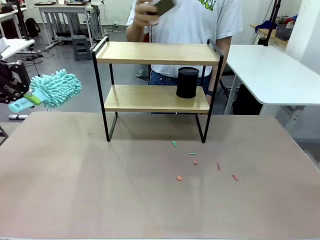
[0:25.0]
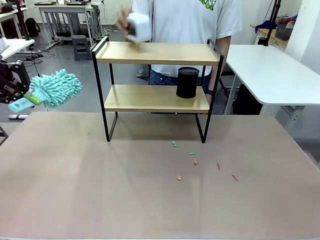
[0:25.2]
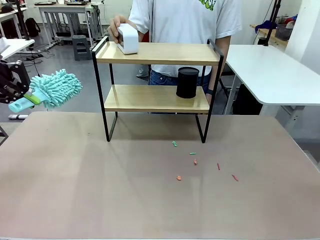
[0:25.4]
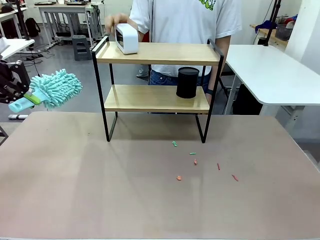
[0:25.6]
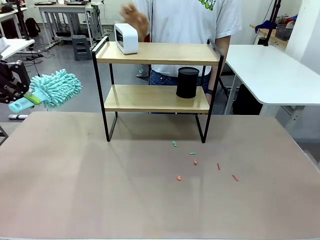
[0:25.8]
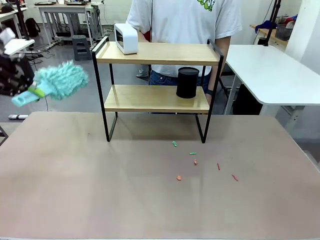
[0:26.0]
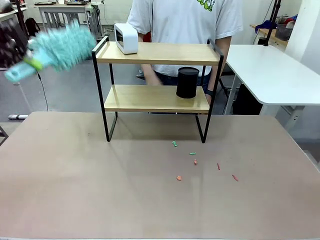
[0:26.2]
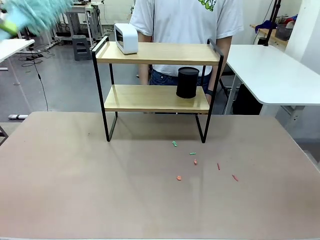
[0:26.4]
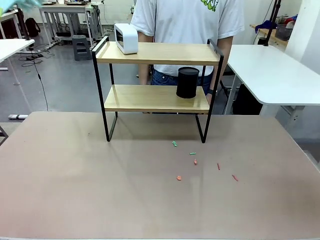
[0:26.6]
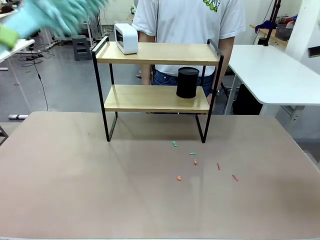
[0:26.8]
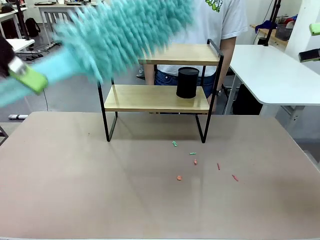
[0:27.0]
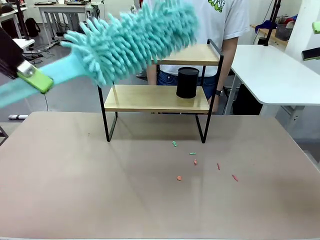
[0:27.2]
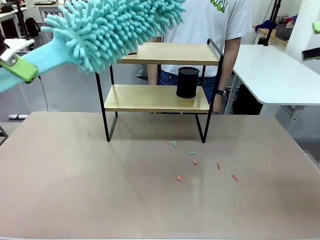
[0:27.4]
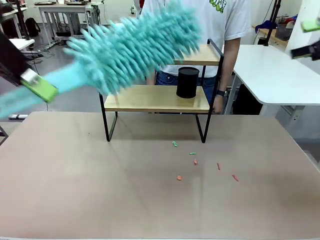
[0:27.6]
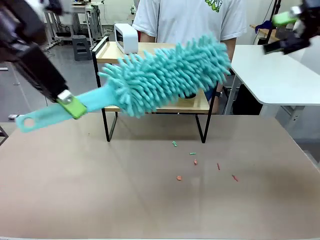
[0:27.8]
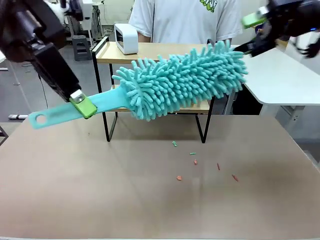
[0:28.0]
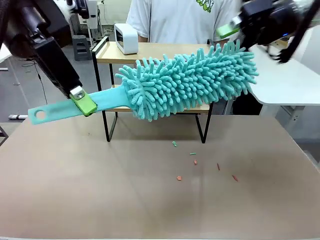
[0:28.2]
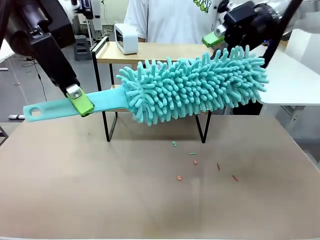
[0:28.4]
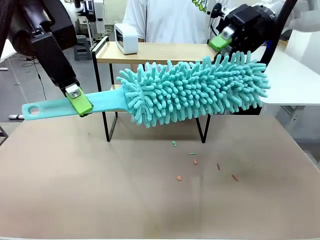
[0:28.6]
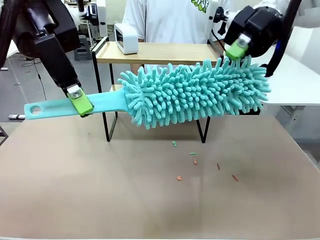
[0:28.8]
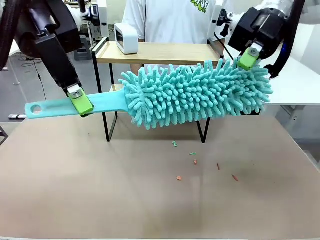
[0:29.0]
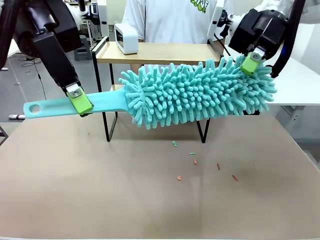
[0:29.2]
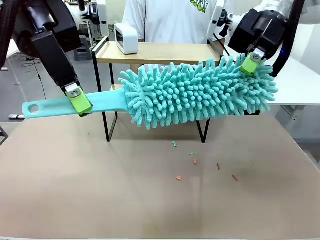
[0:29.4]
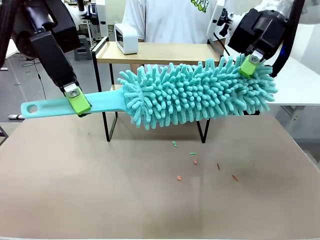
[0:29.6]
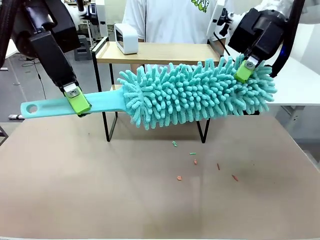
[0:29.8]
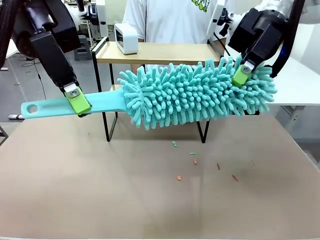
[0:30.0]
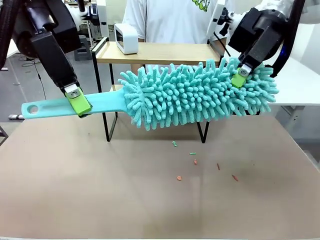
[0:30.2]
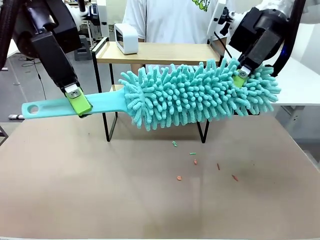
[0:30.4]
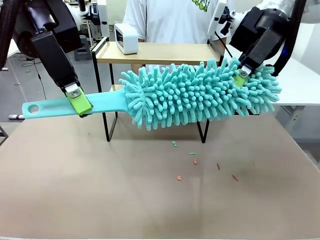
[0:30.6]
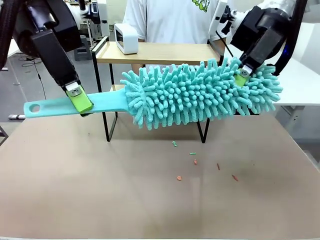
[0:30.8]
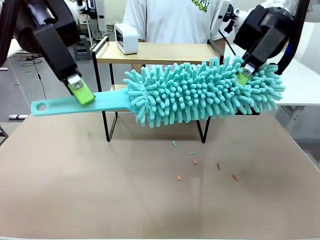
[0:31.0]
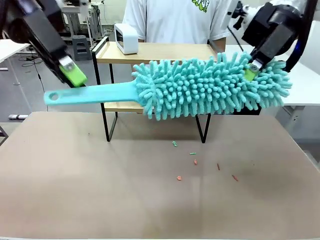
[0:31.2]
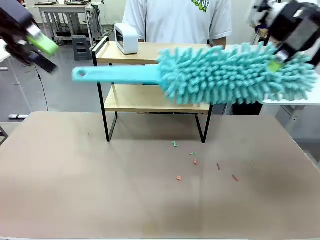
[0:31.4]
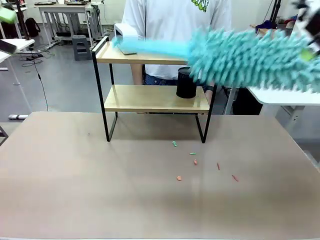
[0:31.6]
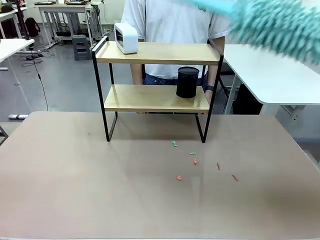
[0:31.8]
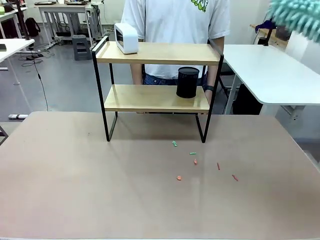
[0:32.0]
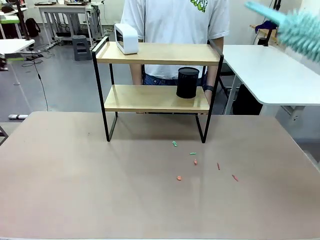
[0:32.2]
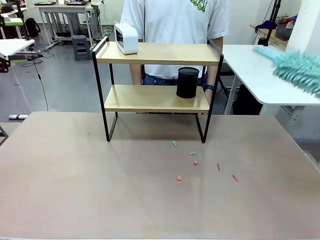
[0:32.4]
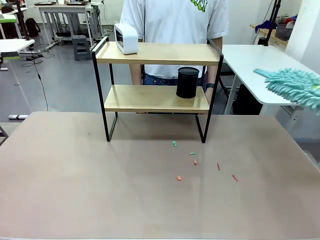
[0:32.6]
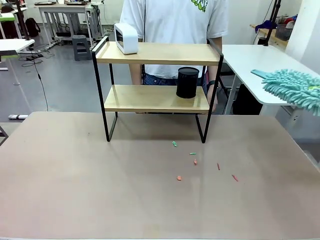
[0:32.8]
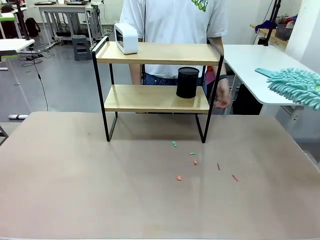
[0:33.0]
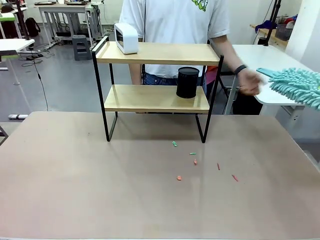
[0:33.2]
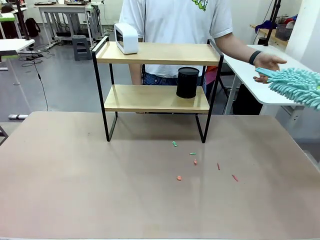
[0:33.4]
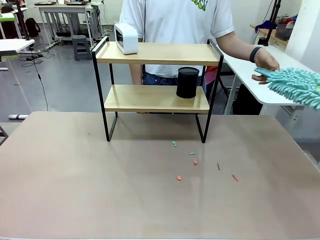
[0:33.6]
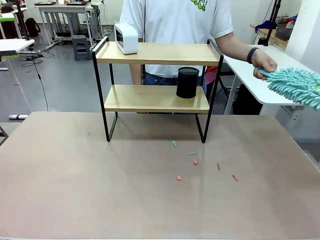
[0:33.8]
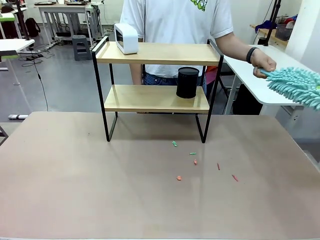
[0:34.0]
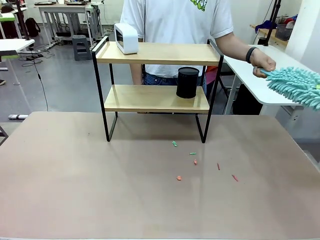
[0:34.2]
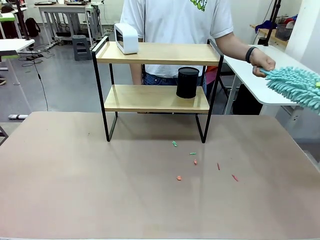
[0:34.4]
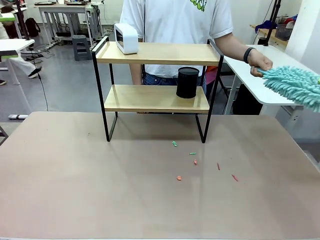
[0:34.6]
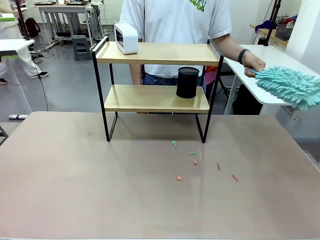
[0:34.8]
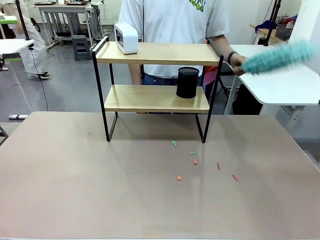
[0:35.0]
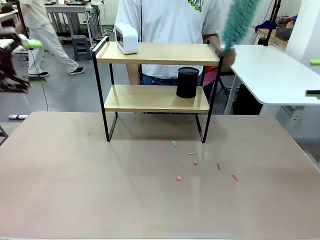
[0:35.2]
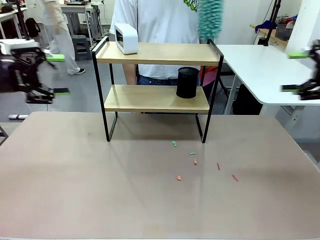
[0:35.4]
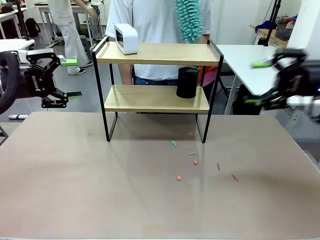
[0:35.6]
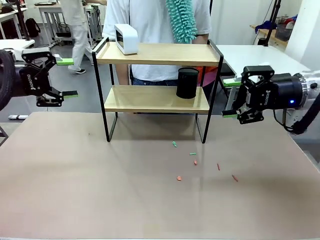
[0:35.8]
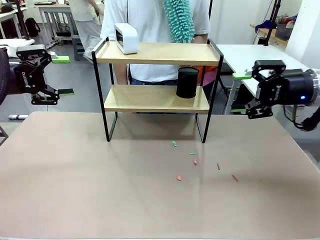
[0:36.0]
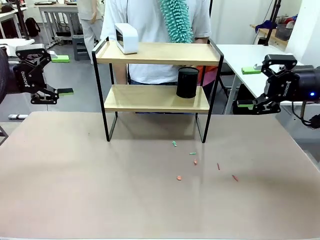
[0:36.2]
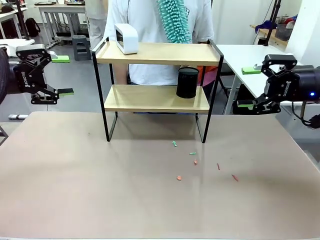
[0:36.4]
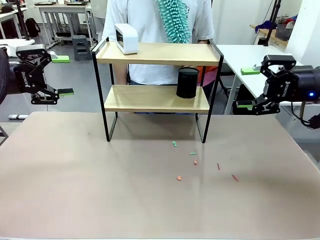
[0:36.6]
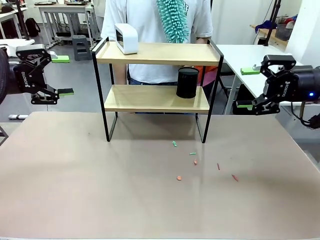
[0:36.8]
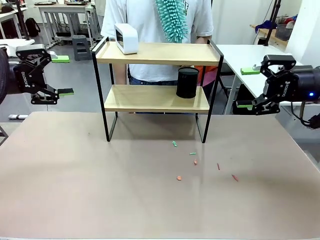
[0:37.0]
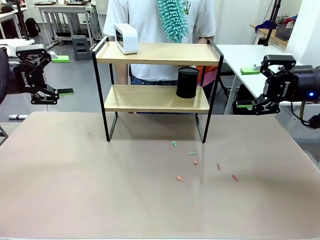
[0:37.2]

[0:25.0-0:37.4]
Task: Clean the shelf.
Robot: Hand the Duster back to the human.
Person: Receive the Duster from the robot.

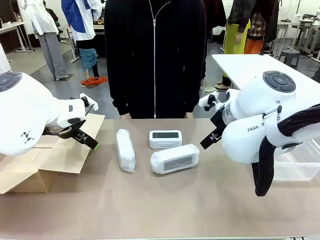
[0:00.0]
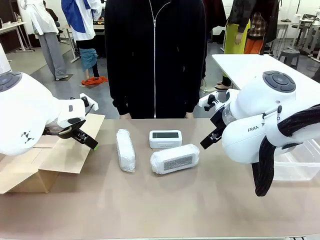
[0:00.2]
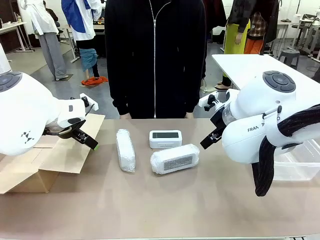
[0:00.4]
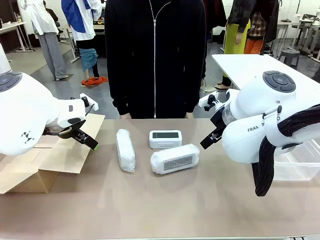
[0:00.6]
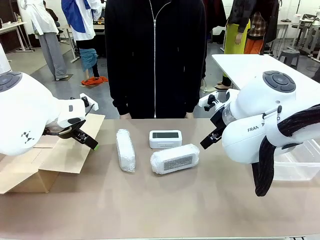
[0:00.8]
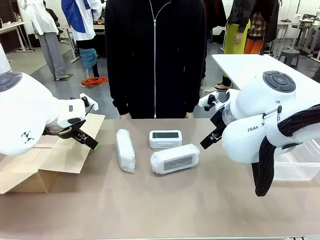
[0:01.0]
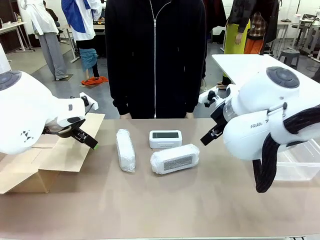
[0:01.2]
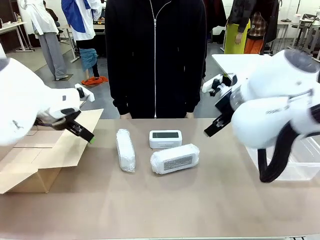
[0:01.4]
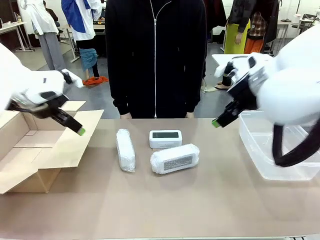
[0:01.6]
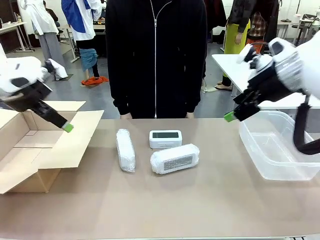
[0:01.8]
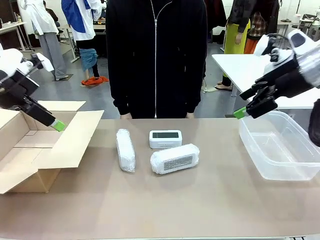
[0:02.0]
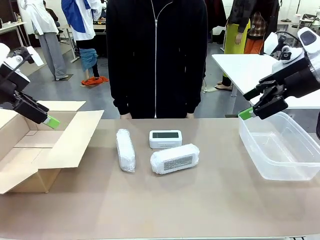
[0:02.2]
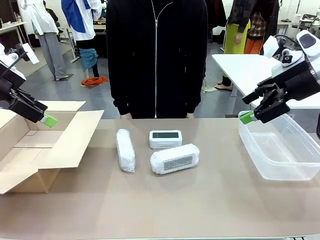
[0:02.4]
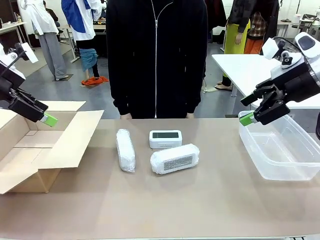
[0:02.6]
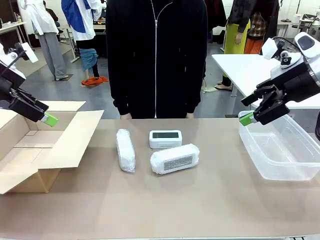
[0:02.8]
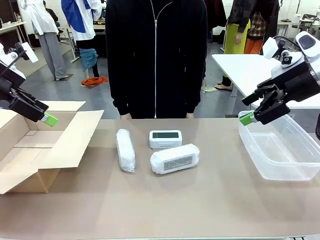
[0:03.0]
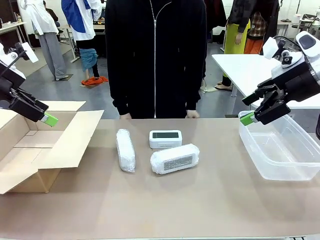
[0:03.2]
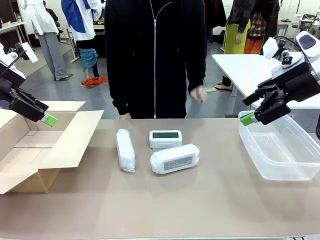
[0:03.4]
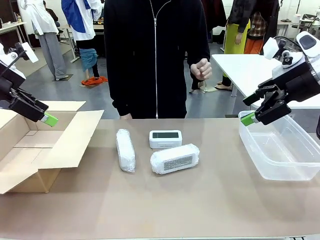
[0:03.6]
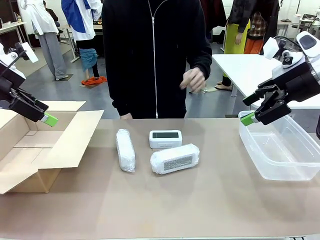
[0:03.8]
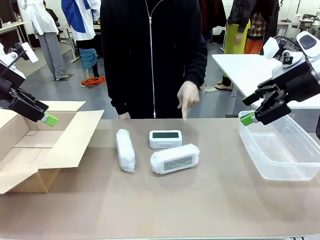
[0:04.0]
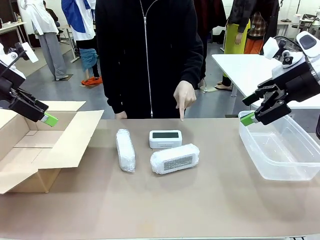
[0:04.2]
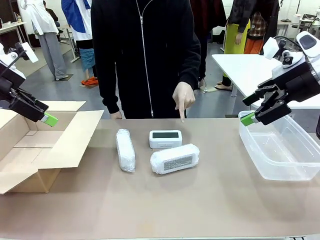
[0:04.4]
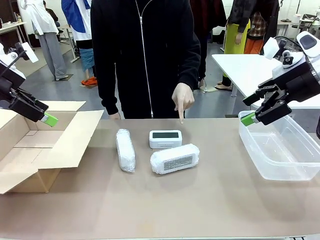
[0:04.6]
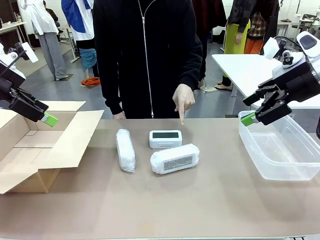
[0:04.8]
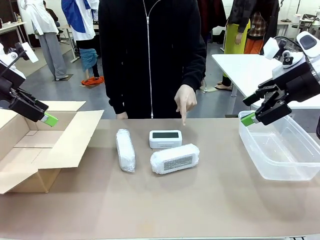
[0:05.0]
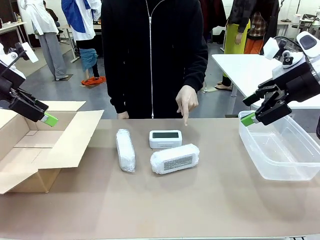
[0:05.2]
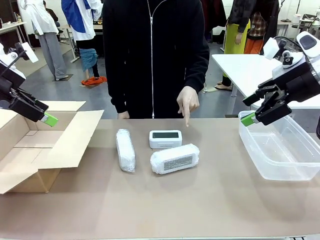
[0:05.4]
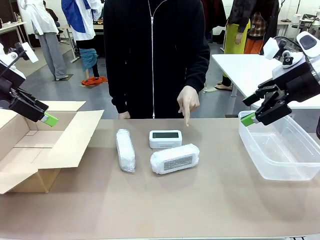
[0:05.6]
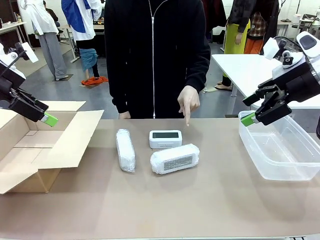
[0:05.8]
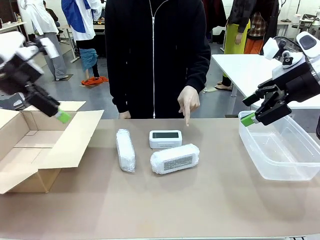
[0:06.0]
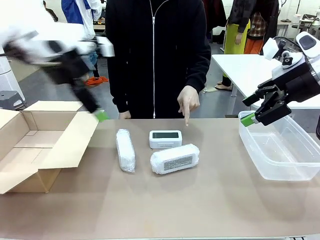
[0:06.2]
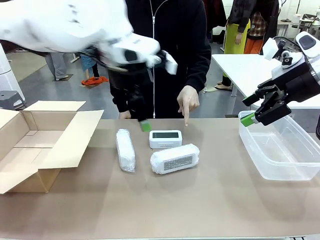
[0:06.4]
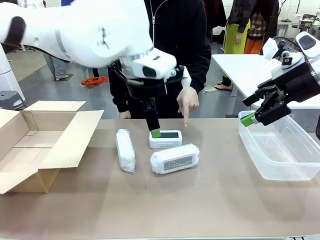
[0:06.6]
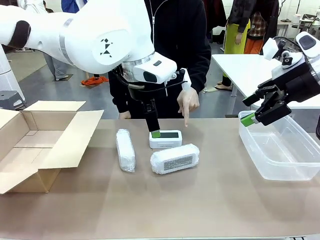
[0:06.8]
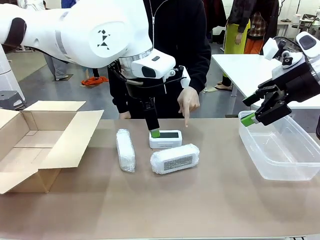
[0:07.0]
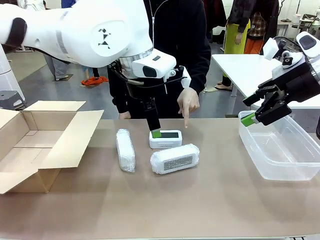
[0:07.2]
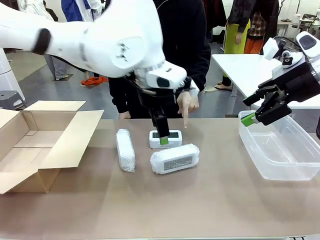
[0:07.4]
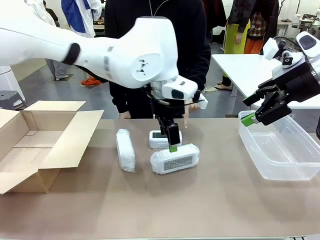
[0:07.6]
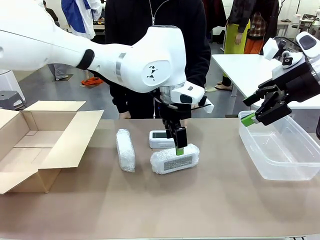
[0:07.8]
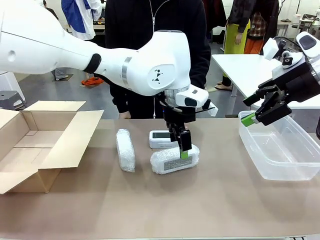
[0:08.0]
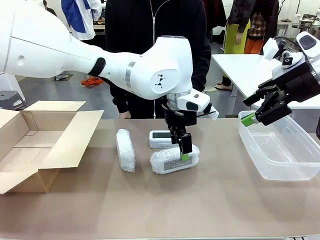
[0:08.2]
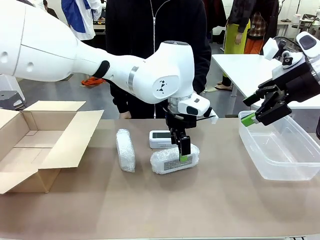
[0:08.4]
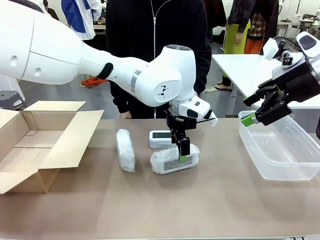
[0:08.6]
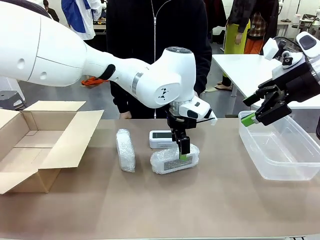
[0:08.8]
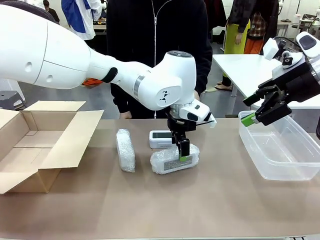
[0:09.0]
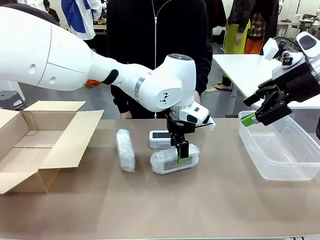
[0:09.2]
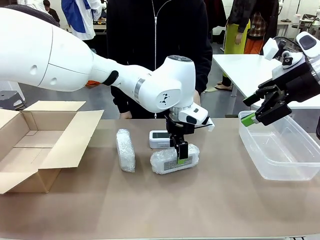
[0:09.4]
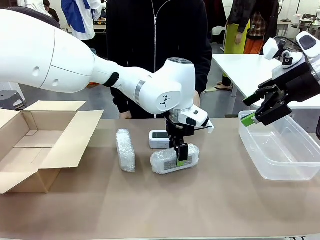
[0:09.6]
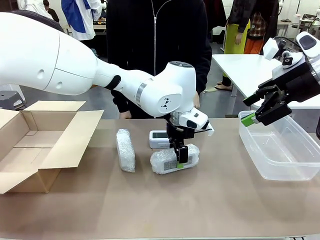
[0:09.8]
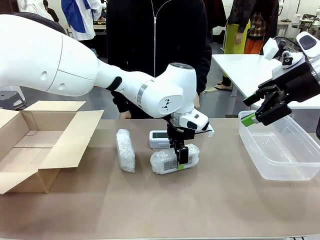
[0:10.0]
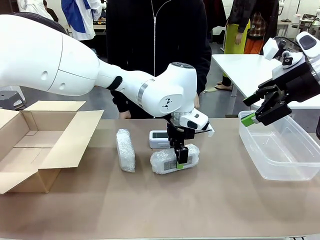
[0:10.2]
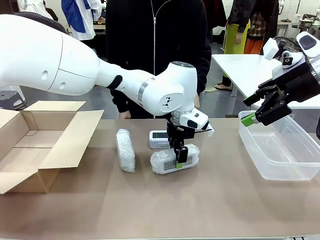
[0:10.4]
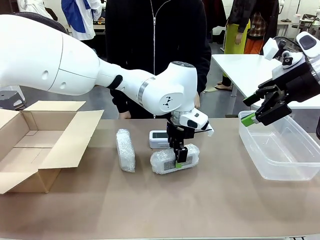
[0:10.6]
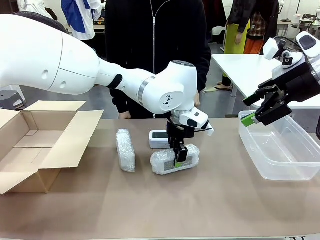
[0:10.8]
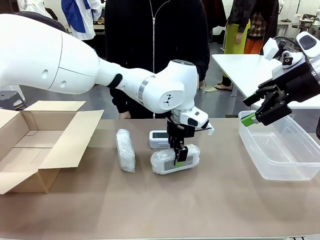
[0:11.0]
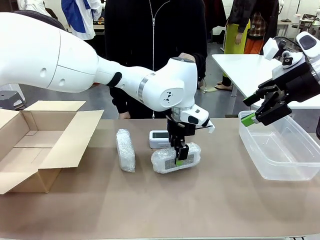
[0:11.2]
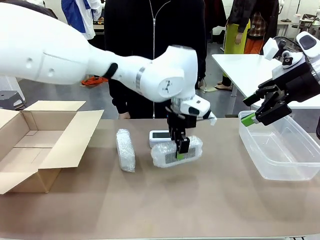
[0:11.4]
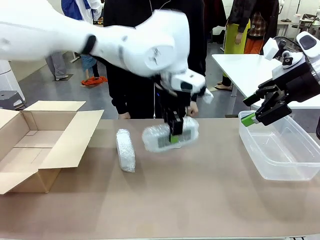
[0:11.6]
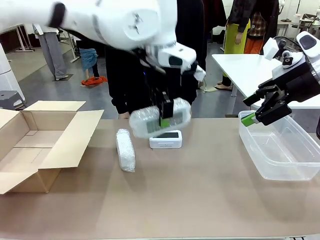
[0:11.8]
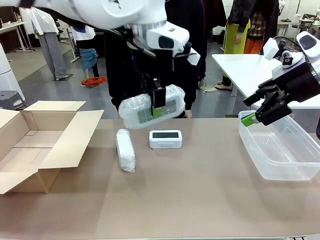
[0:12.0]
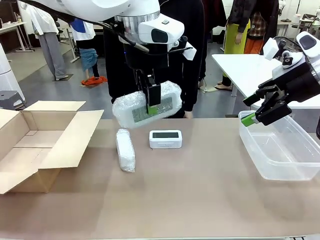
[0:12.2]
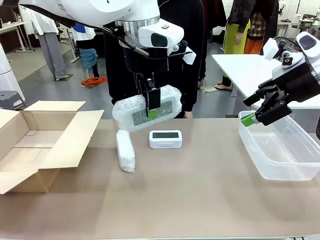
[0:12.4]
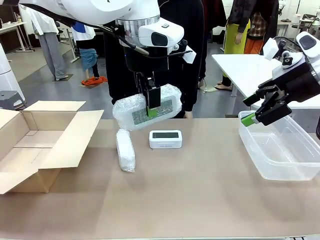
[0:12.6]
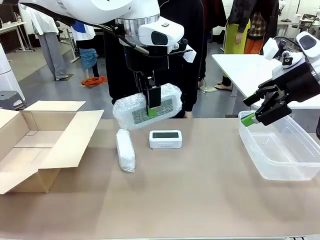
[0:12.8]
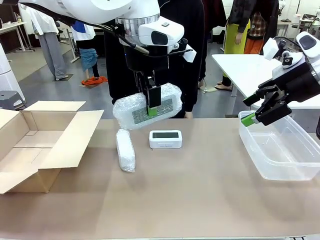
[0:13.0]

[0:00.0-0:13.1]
Task: Separate and place wrapped and unwrapped clocks.
Robot: Pick up the Digital clock indicated by the person.
